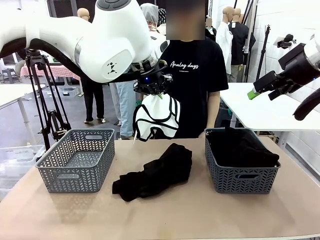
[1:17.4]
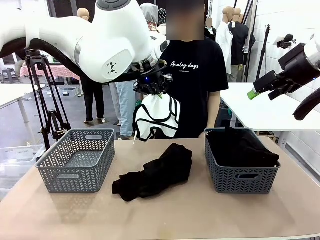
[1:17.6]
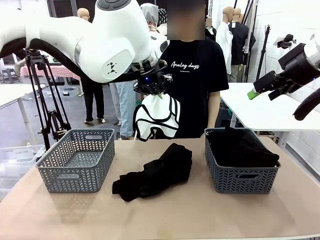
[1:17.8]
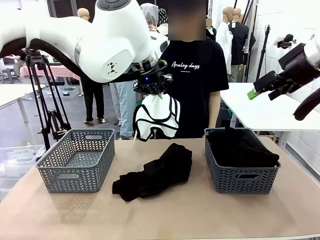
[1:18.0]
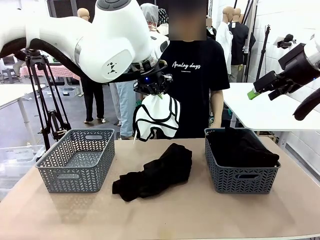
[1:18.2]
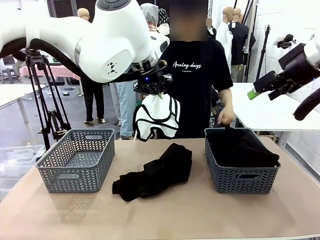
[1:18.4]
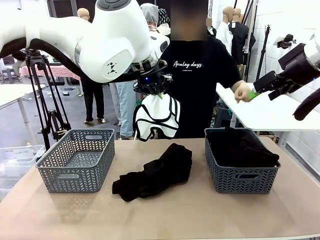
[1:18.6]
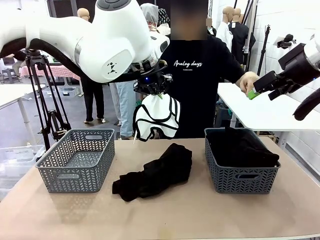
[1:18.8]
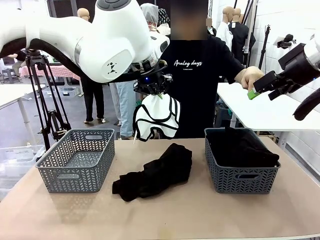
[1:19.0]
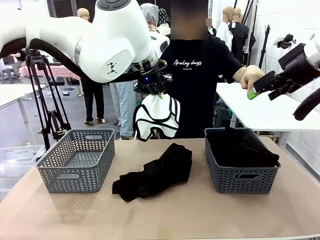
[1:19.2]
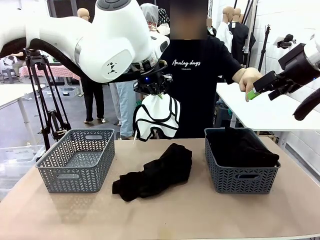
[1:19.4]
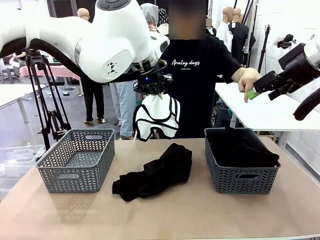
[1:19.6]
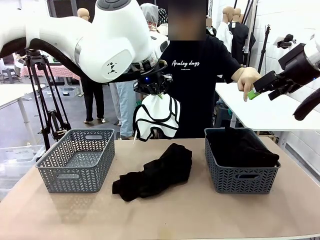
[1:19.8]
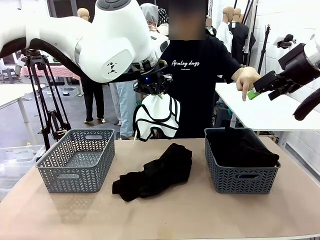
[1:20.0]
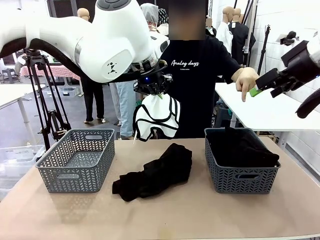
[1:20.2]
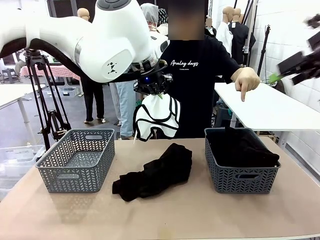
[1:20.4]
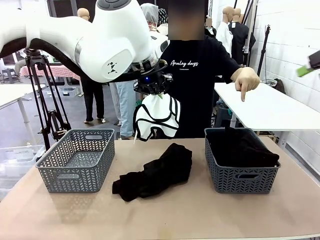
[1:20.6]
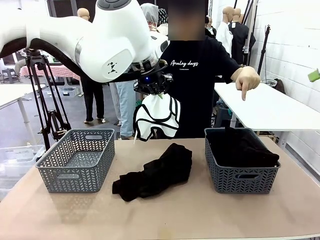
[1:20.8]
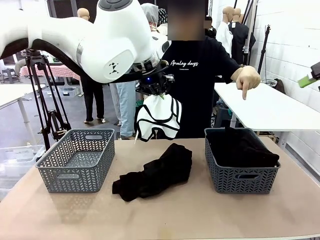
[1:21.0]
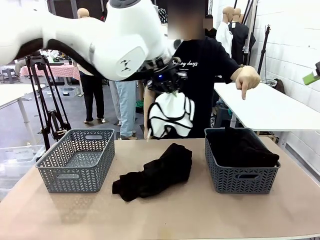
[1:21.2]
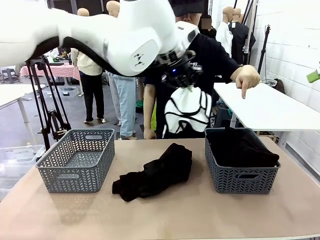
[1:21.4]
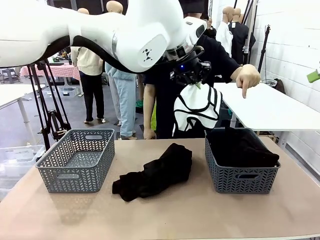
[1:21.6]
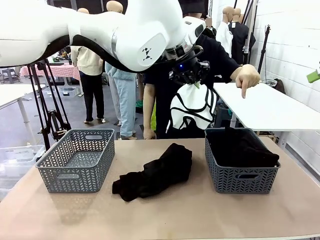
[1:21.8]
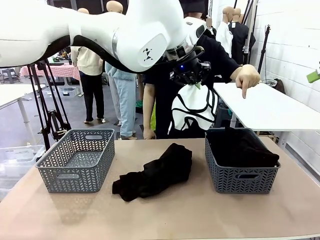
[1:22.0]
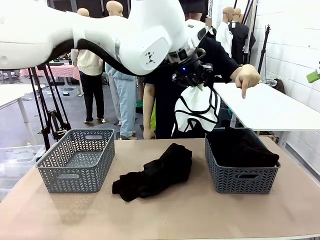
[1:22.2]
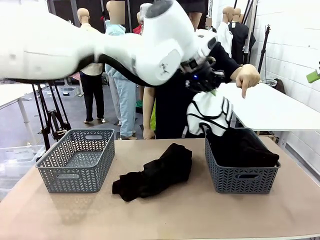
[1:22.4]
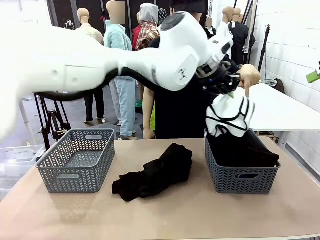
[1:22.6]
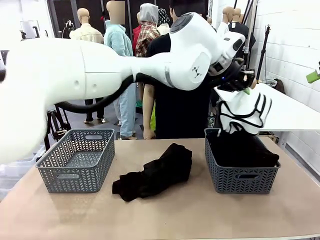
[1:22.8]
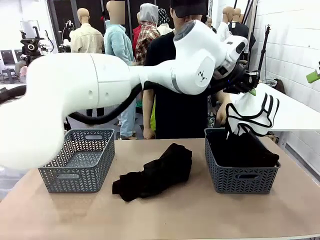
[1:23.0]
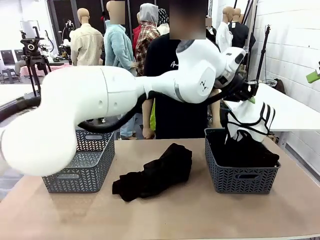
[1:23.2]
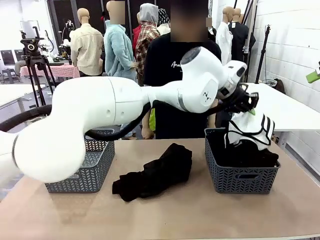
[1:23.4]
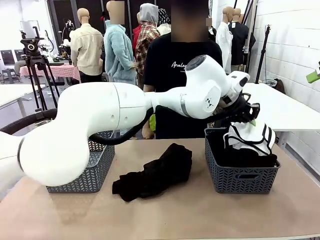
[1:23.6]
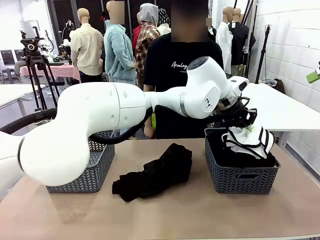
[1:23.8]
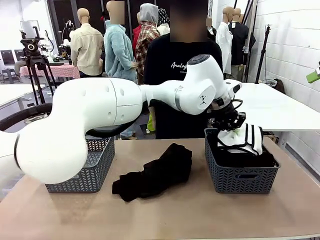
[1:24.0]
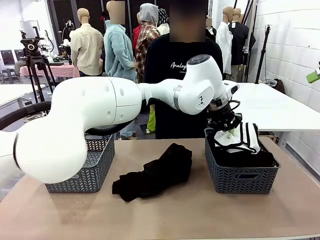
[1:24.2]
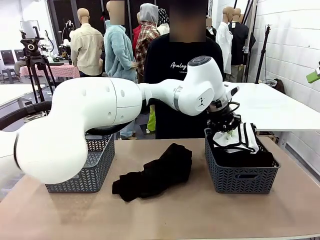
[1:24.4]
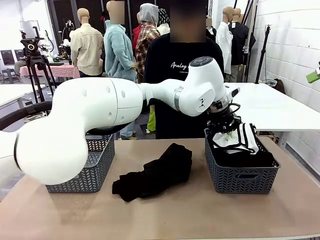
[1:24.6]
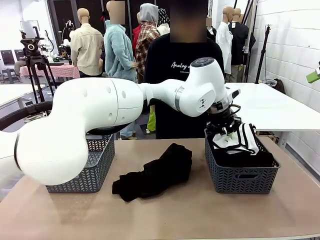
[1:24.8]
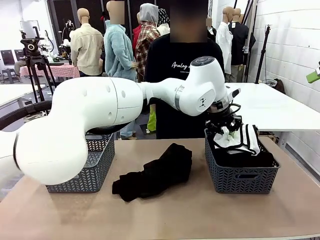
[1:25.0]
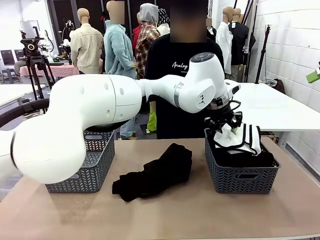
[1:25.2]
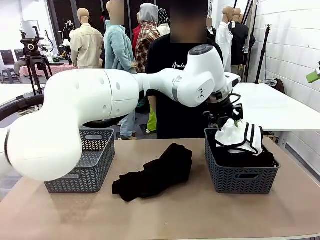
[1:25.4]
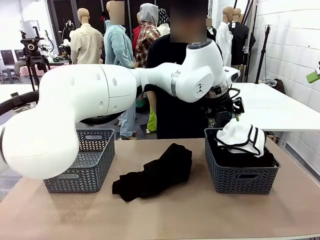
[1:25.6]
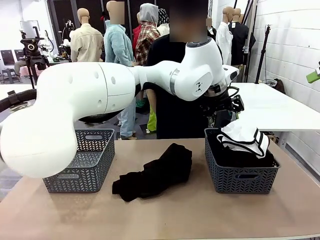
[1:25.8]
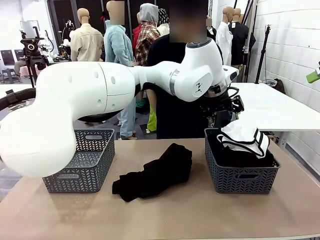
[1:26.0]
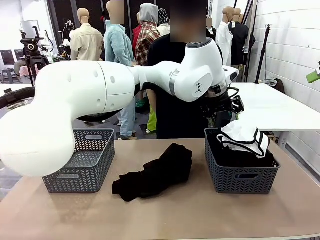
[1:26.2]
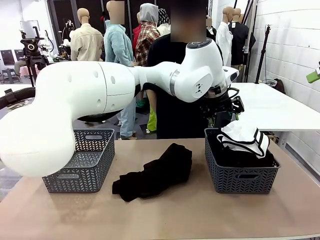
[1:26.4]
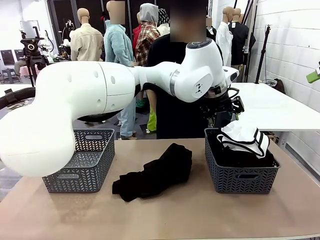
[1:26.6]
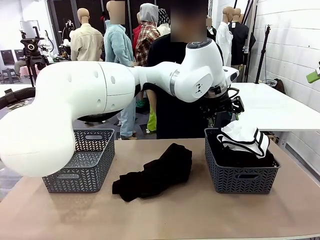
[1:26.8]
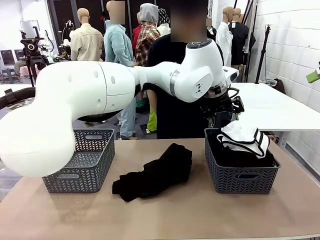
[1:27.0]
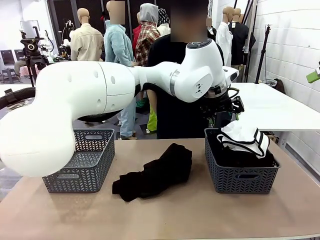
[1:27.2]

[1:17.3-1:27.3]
Task: Sort the tops and bottoms.
Robot: Sort the clothes according to human instructions.

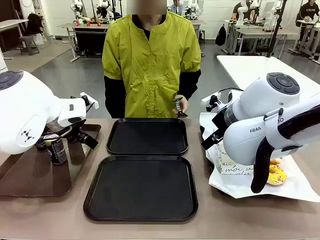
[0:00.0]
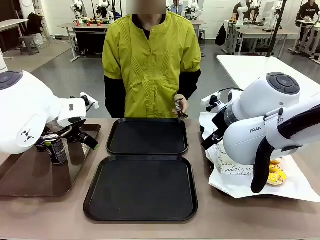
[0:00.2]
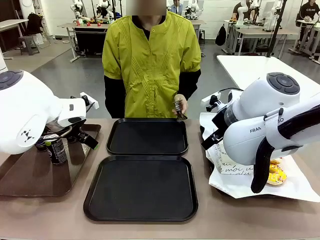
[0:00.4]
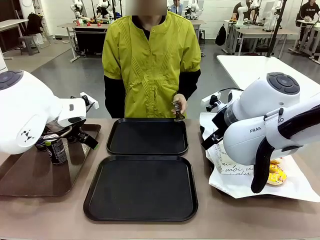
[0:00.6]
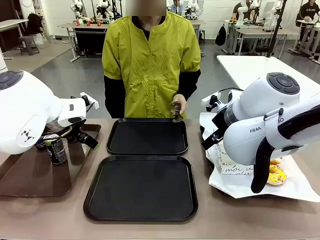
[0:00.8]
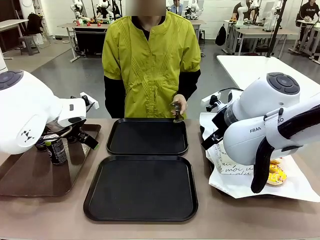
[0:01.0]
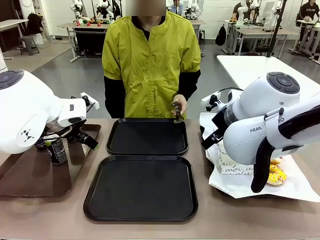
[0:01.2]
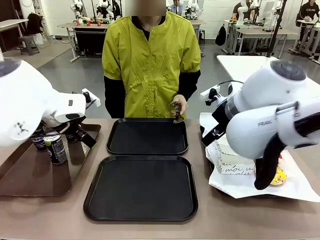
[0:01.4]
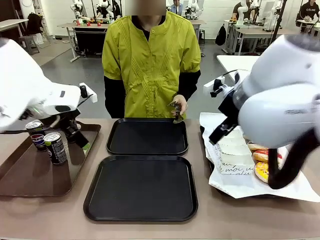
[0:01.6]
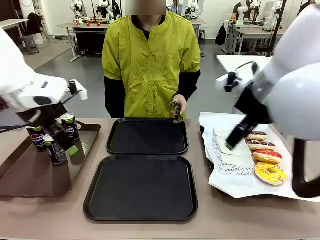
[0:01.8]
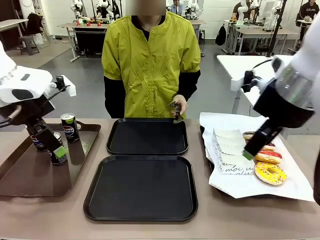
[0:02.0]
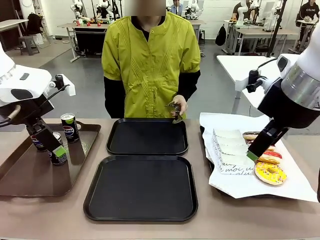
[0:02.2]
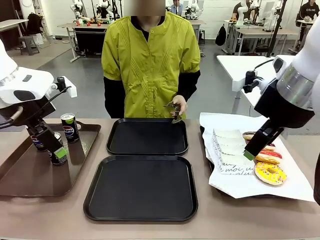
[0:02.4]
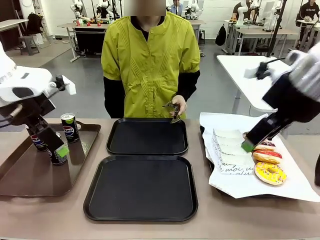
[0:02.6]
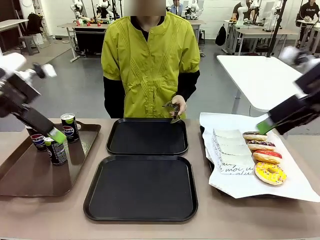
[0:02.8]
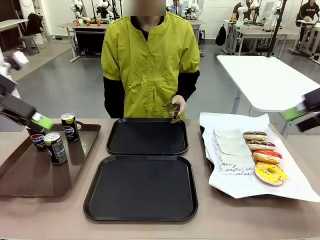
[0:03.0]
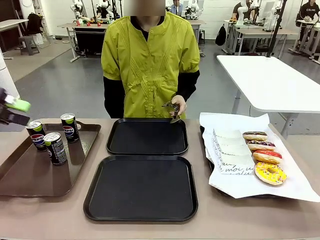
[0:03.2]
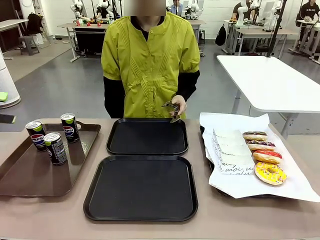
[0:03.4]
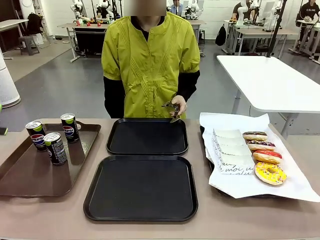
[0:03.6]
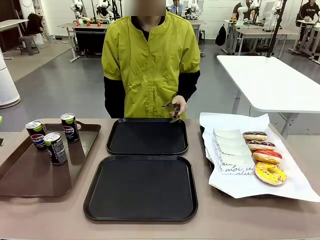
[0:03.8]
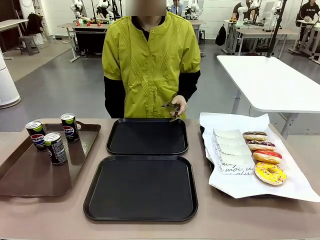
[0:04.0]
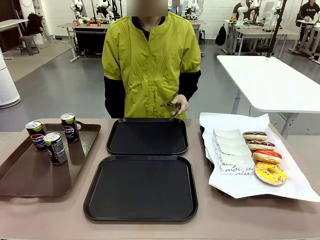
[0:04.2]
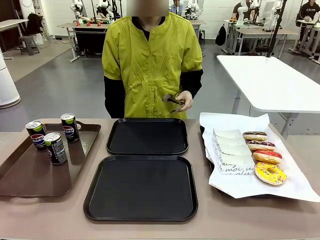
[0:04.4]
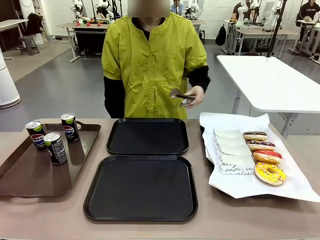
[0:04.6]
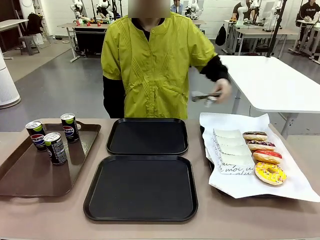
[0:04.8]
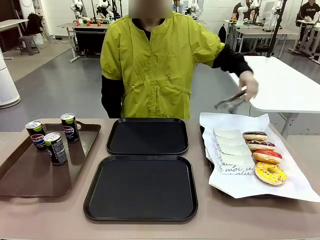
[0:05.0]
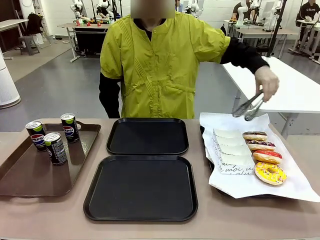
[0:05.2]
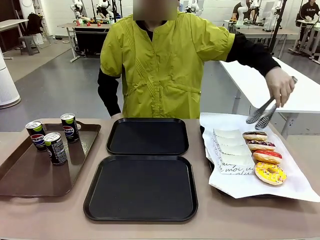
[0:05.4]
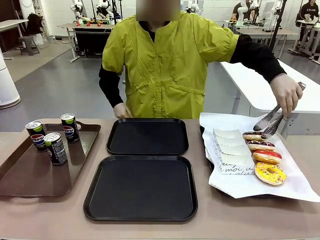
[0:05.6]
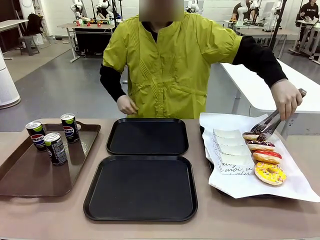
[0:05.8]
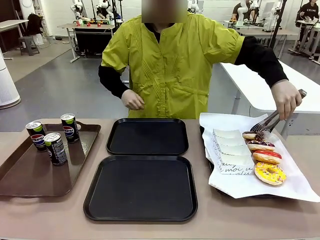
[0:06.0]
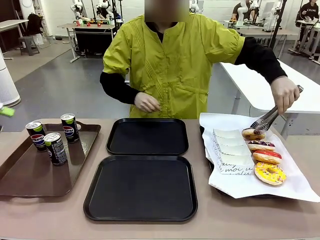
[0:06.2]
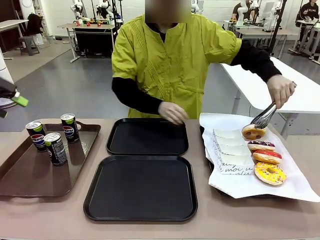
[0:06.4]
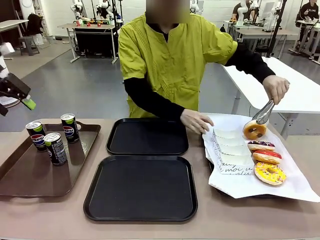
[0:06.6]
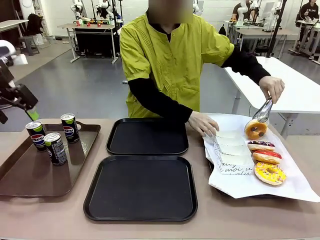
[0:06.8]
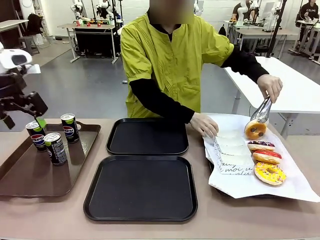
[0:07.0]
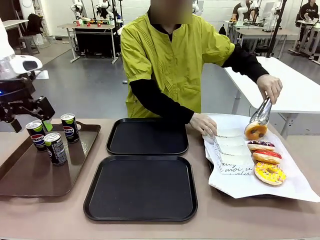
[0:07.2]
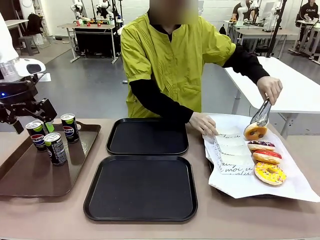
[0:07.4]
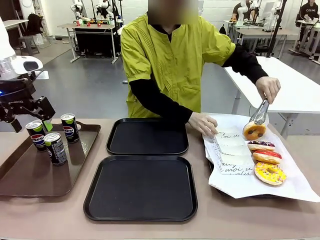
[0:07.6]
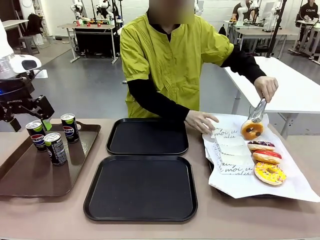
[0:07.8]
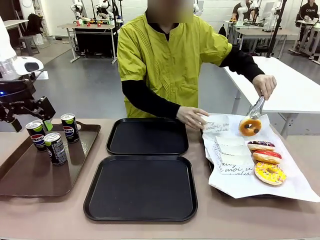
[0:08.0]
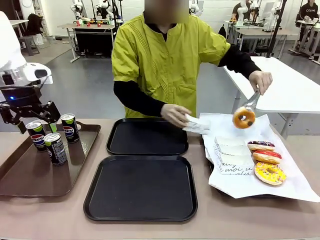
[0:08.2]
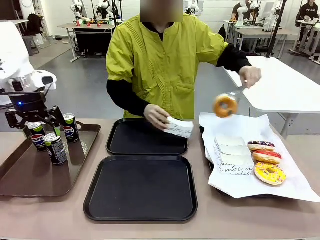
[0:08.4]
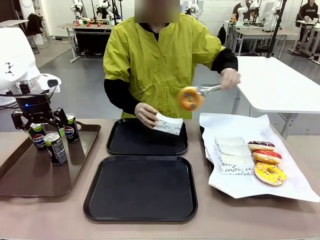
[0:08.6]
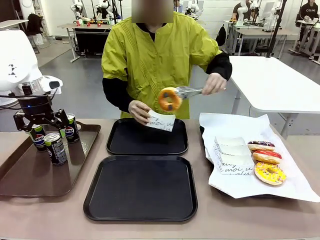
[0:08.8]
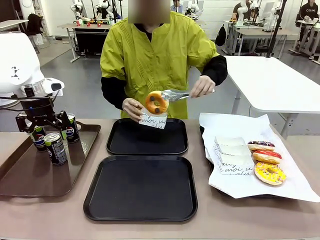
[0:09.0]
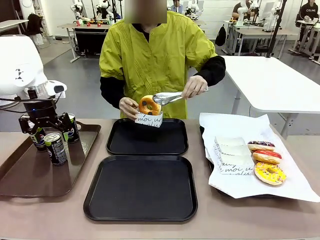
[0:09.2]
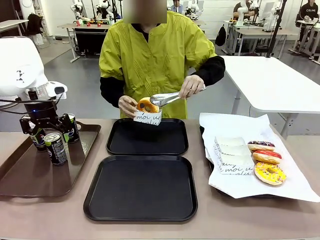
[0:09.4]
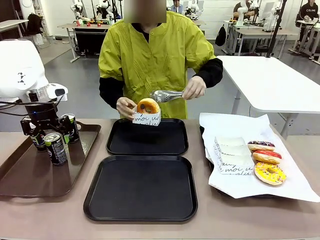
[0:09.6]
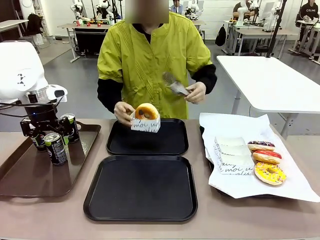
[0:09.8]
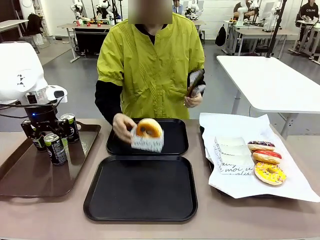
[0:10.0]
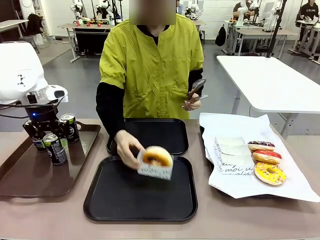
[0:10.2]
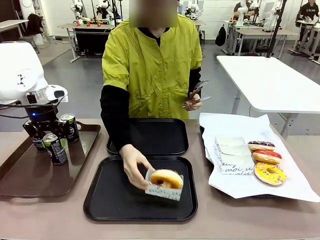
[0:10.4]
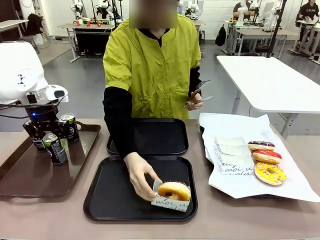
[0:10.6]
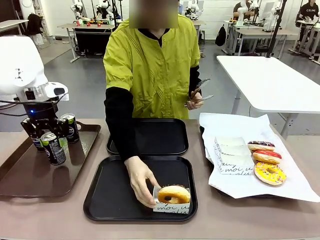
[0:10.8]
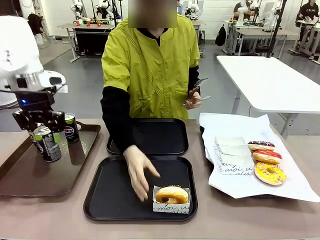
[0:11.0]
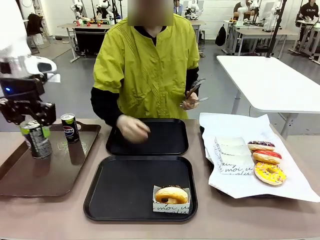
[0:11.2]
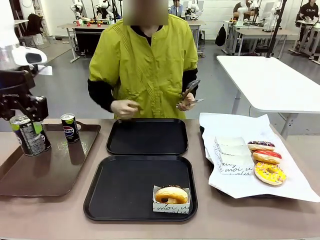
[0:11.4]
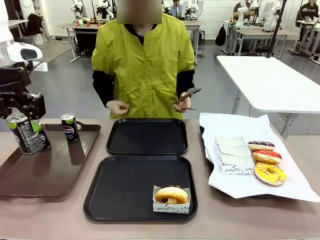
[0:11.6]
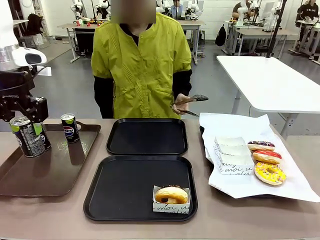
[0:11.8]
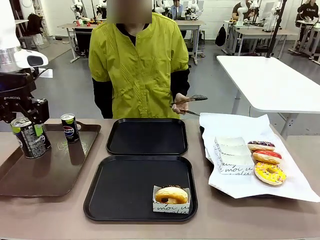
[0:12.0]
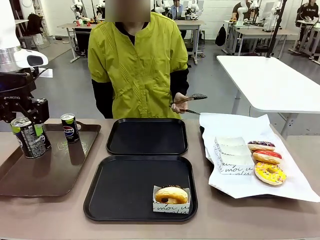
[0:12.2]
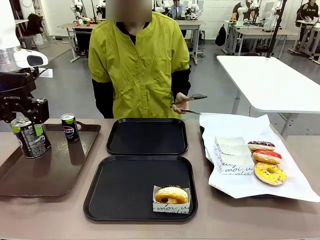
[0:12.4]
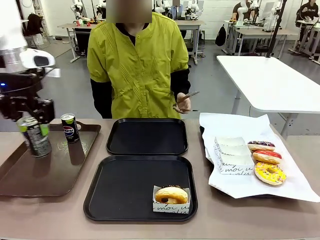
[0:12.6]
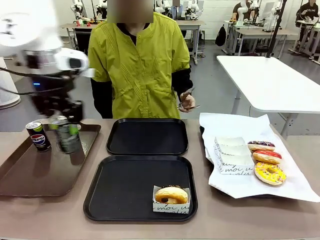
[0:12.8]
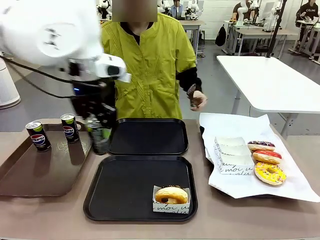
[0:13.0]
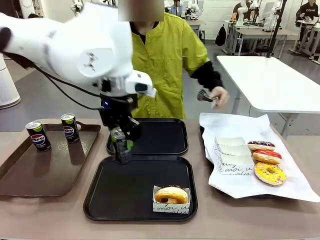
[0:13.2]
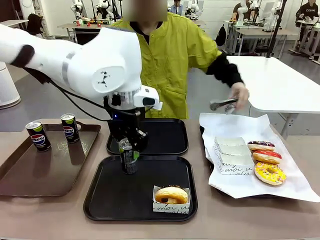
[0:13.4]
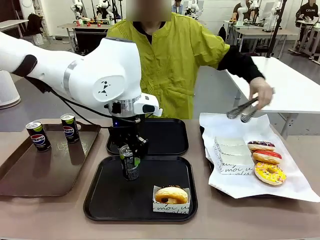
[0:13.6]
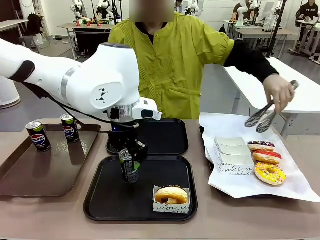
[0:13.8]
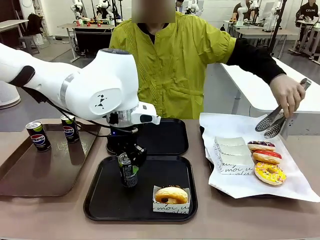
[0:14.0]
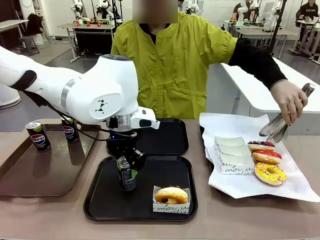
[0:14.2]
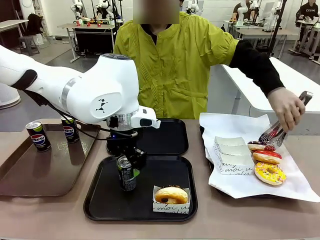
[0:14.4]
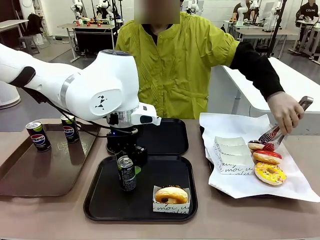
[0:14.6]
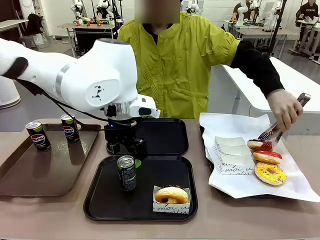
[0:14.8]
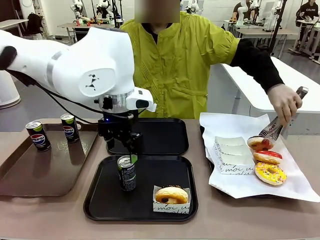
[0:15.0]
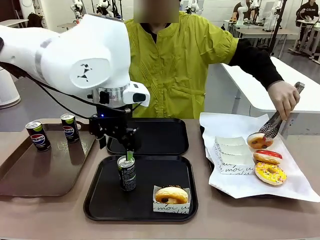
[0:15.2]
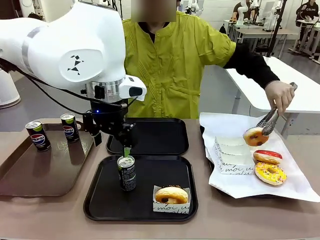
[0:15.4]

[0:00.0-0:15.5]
Task: Set up donuts and drinks on trays.
Robot: Pick up one Pepsi coke and place it on the Flat Tray.
